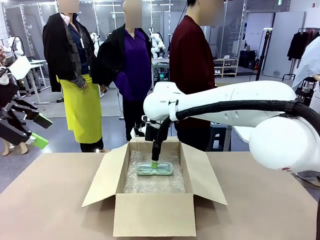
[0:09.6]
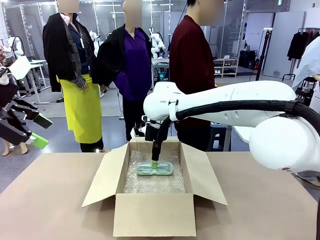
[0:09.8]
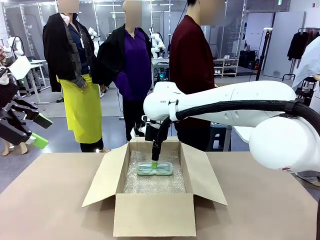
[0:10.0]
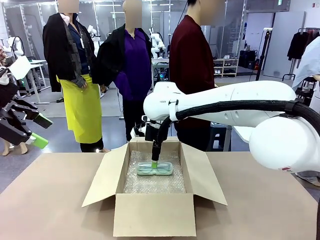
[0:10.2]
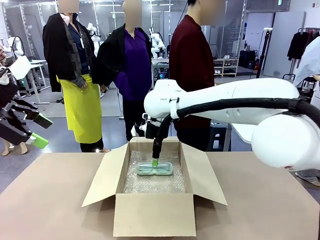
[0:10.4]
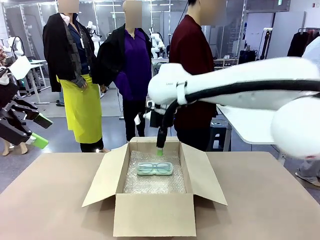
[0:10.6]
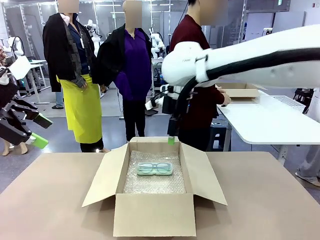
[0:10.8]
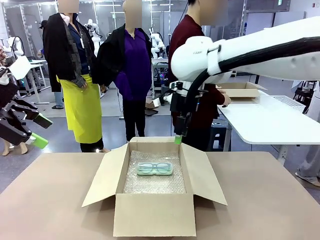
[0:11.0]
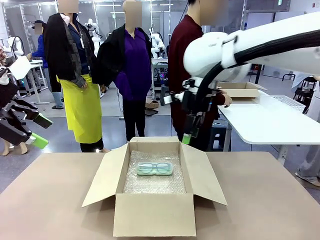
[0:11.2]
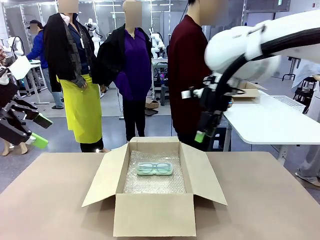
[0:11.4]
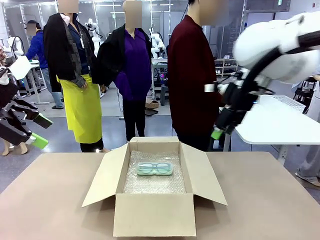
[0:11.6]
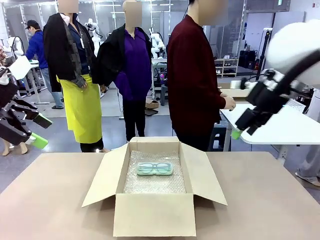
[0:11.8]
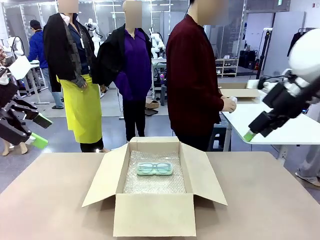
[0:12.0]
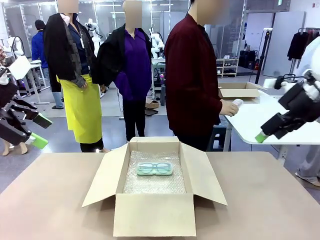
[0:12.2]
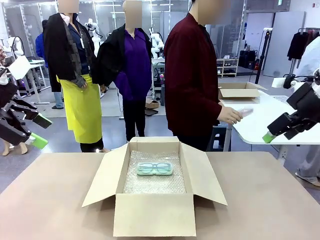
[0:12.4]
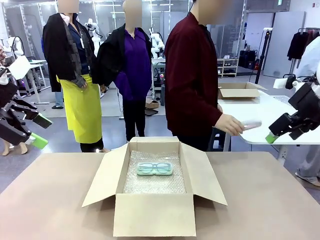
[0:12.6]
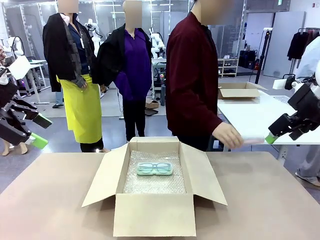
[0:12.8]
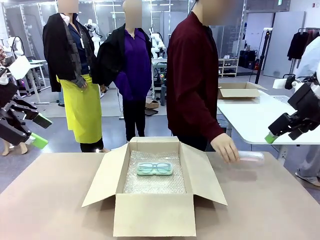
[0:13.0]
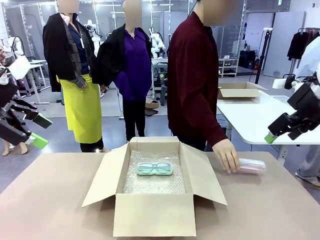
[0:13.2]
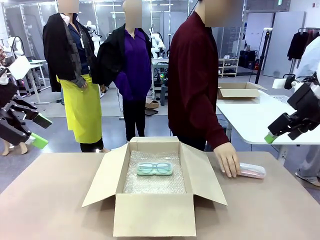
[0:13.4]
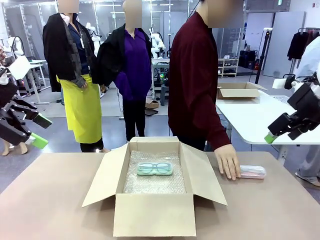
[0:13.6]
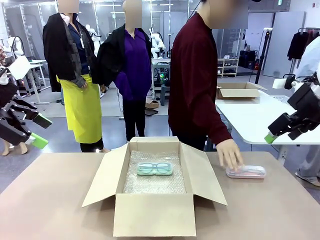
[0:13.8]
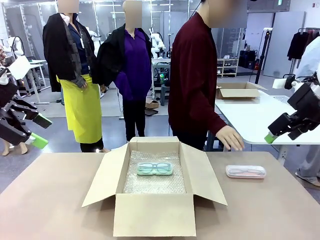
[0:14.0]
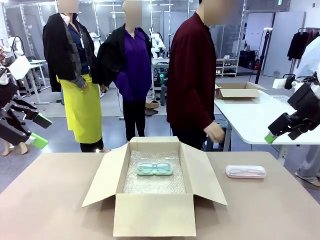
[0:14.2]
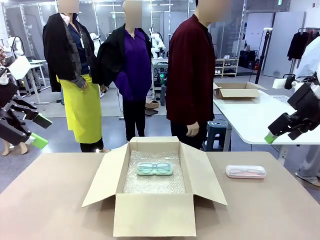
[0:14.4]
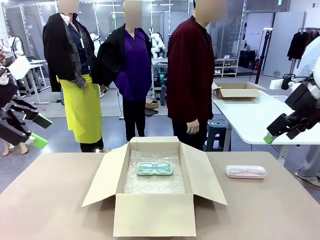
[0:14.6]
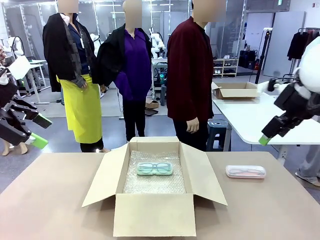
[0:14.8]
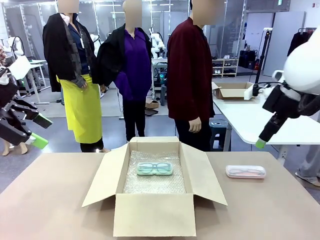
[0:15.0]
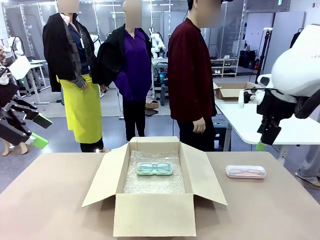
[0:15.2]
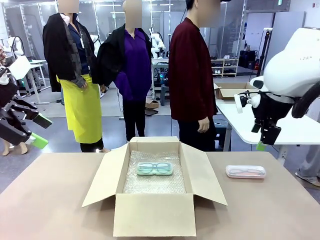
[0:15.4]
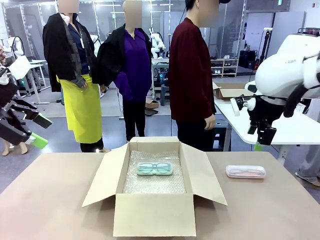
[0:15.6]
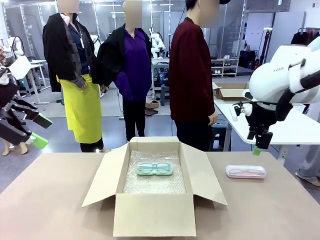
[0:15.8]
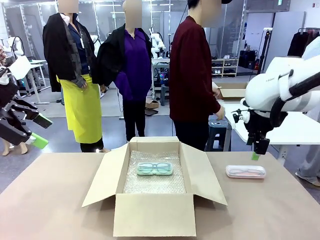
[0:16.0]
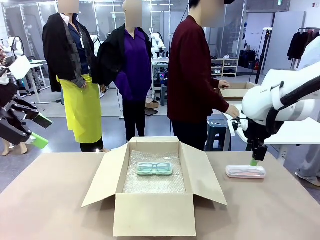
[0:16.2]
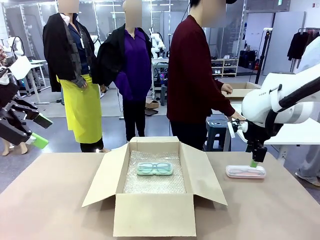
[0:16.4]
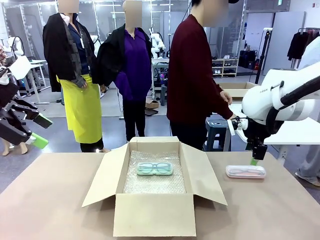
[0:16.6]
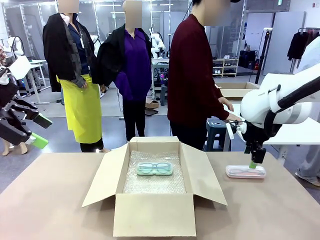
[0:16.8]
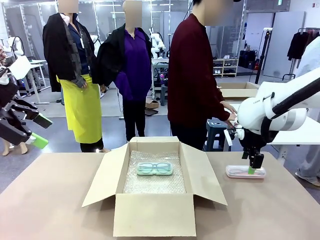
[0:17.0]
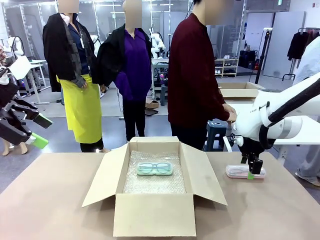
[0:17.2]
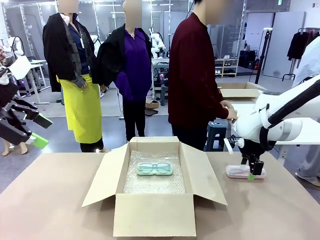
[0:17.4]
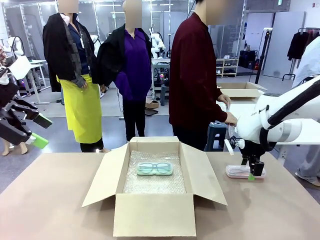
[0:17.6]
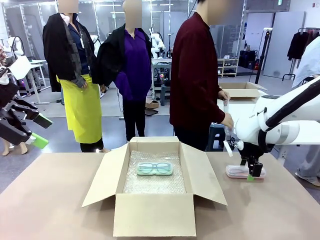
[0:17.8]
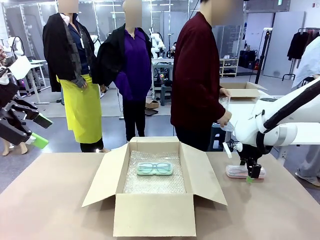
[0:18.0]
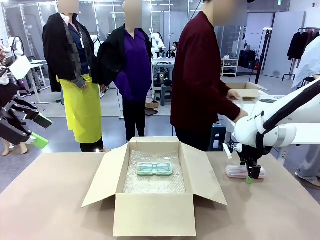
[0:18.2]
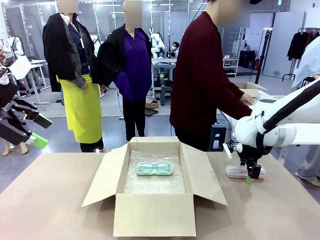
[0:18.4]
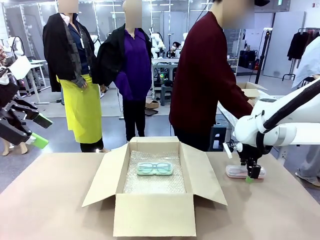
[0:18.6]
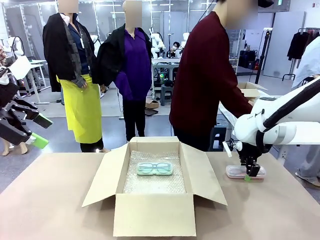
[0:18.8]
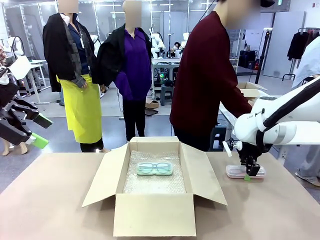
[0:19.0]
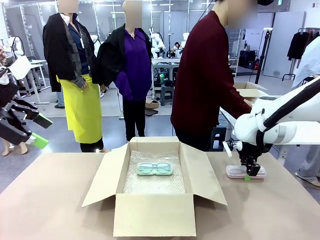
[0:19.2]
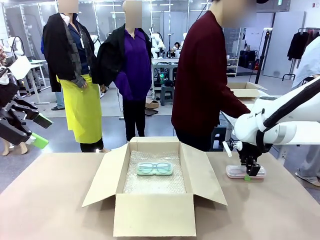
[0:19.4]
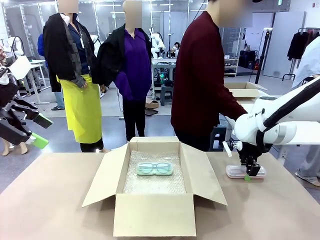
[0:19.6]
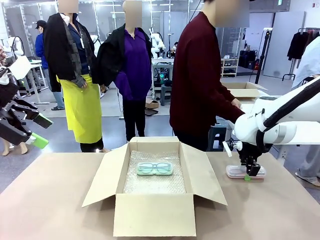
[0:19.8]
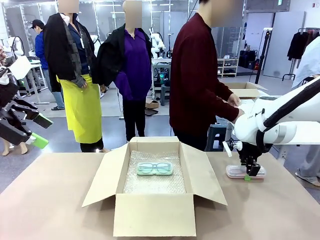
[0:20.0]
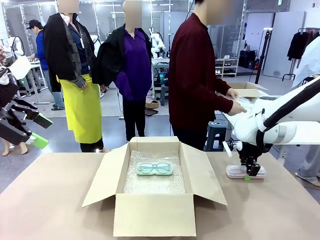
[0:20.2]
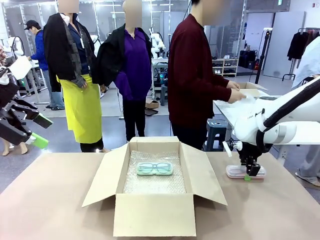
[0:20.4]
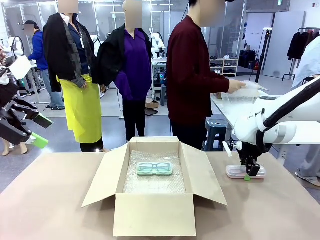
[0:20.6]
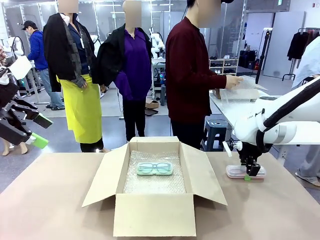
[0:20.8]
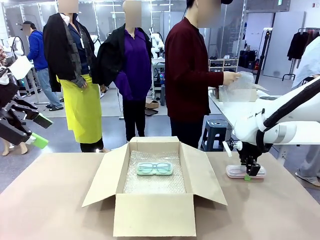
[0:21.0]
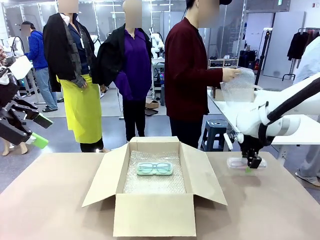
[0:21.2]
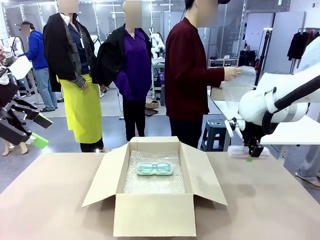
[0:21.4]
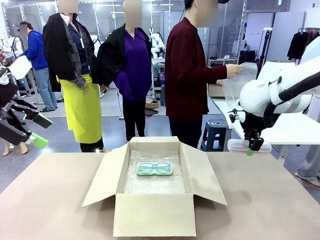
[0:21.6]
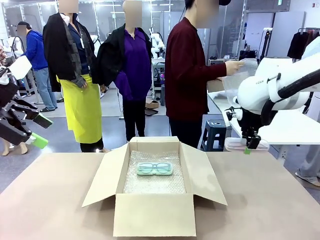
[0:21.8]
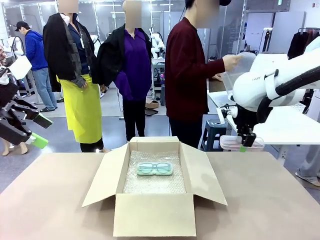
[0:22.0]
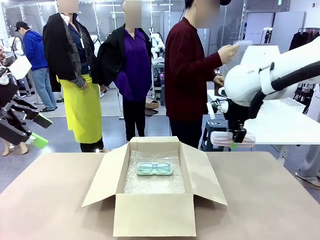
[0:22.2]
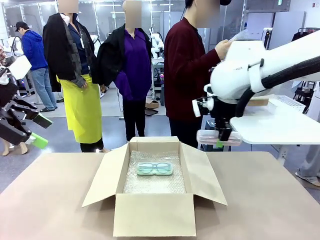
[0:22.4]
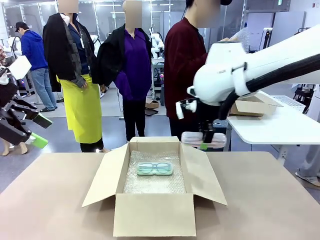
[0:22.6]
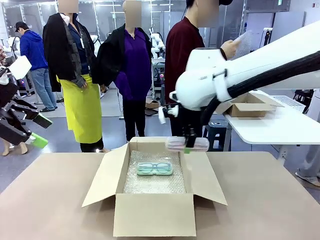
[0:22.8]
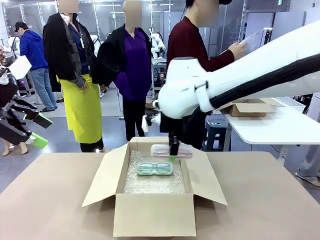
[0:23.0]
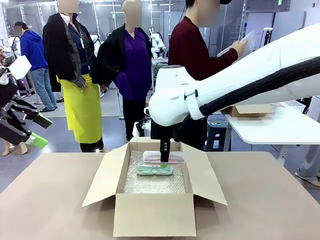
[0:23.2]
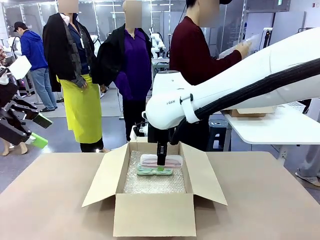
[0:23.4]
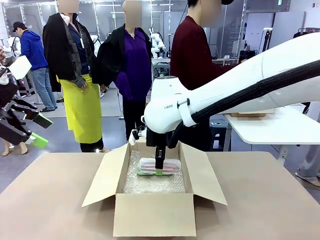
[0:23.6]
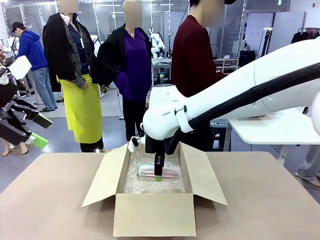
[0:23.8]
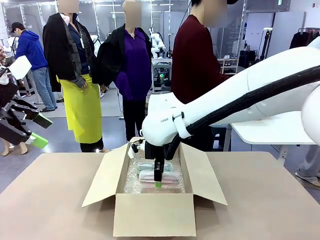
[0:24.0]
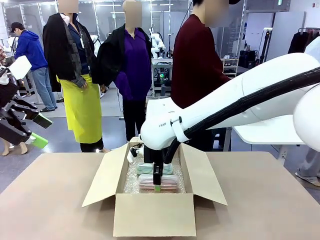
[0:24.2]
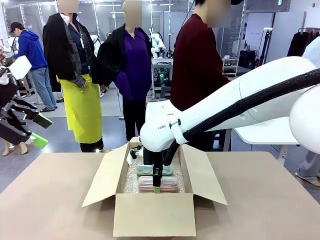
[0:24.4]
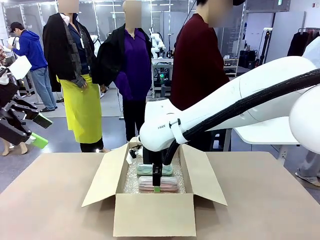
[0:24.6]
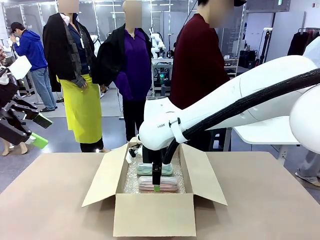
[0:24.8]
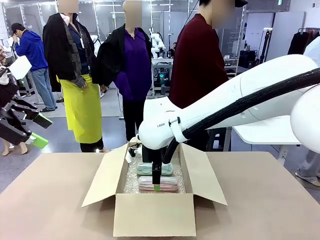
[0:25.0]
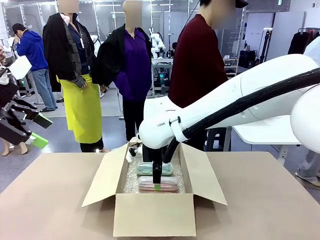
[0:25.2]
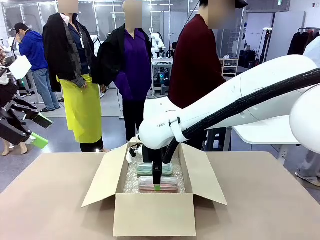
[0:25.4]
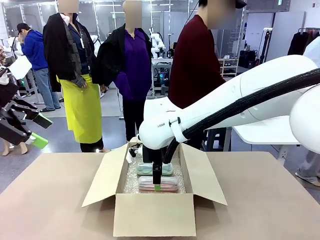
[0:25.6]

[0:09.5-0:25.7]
Task: Pack the glasses set securely to prepare it for shipping.
Robot: Put the Glasses case from the right side of the table into the Package Box.
Person: Position the Glasses case on the left side of the robot's table.
